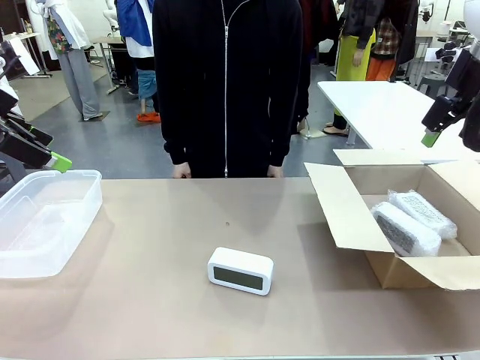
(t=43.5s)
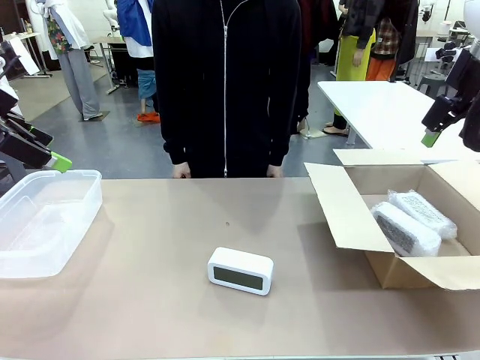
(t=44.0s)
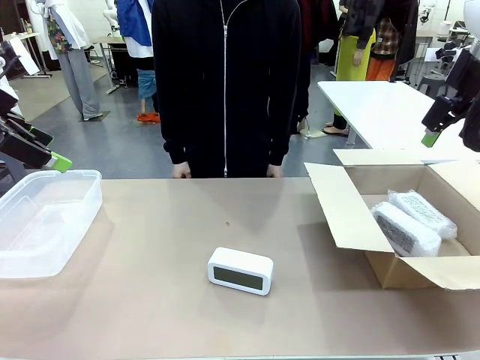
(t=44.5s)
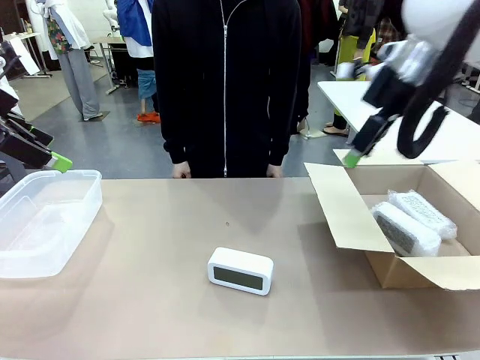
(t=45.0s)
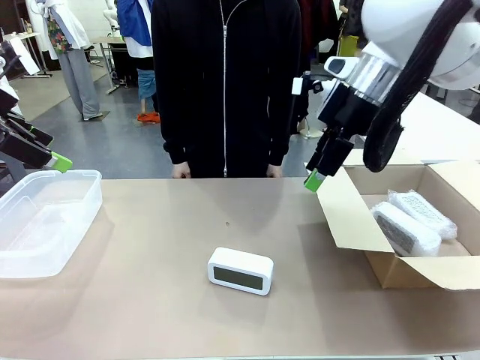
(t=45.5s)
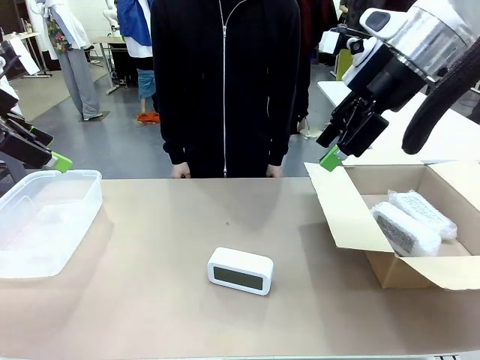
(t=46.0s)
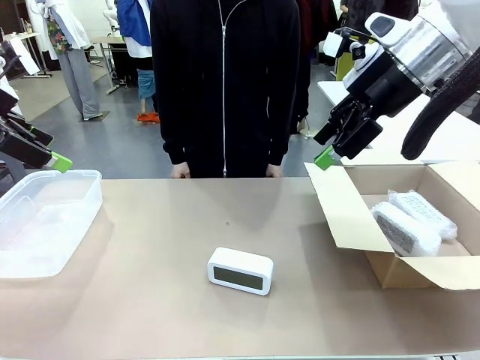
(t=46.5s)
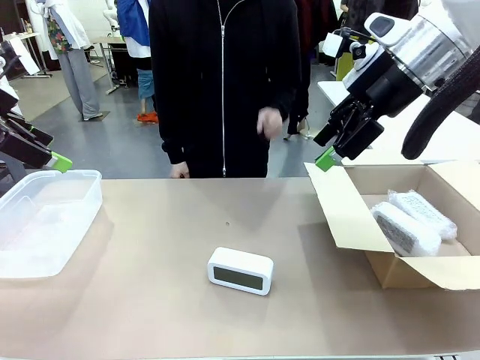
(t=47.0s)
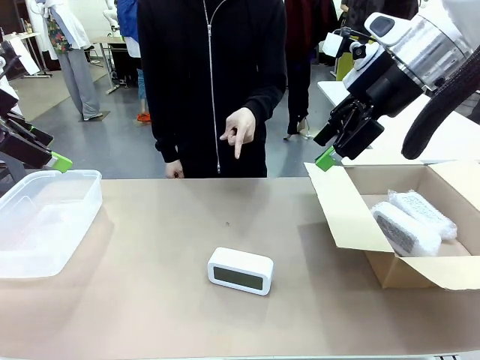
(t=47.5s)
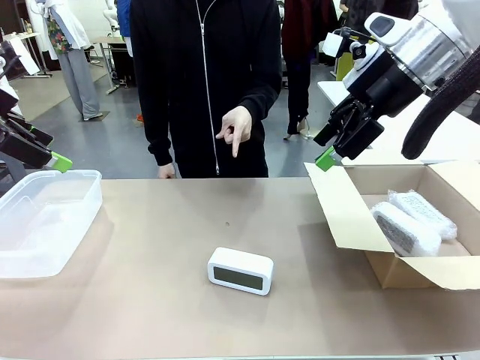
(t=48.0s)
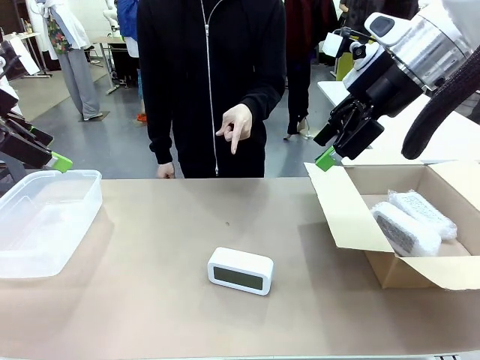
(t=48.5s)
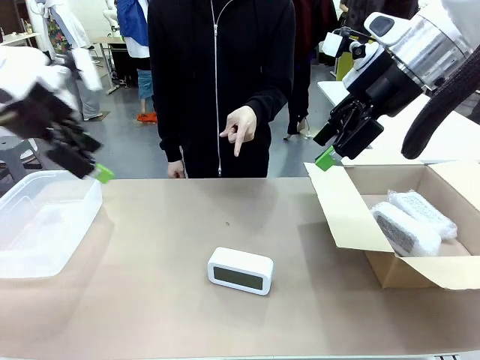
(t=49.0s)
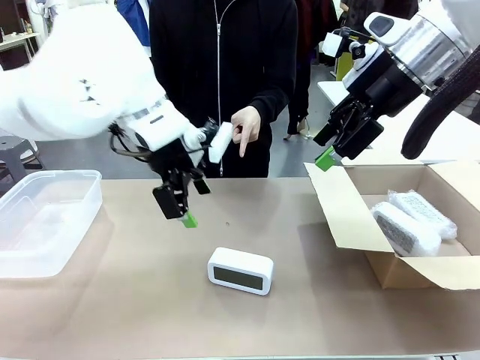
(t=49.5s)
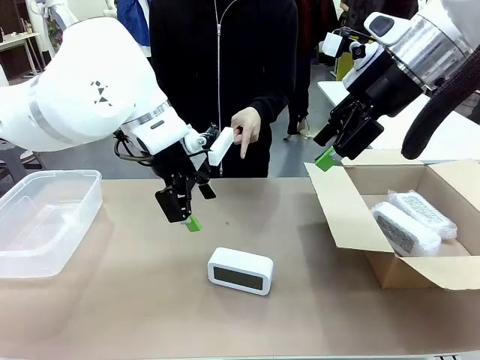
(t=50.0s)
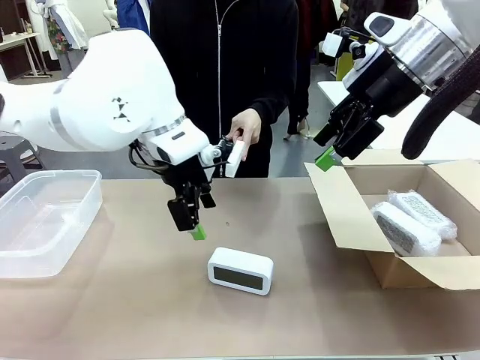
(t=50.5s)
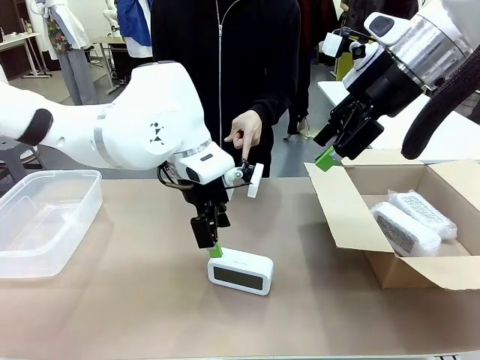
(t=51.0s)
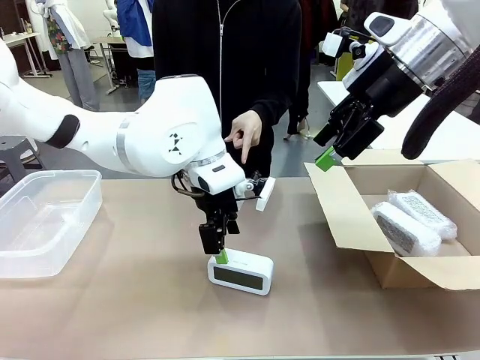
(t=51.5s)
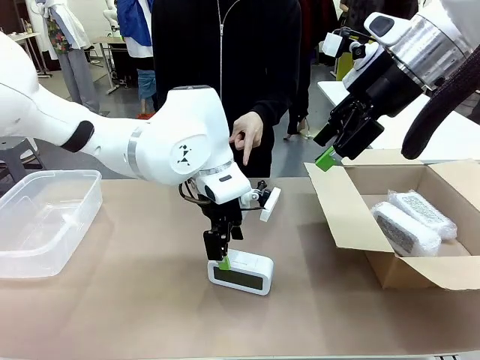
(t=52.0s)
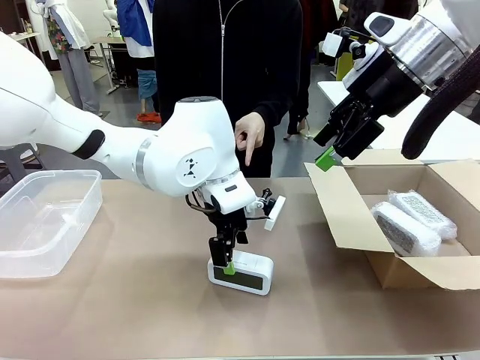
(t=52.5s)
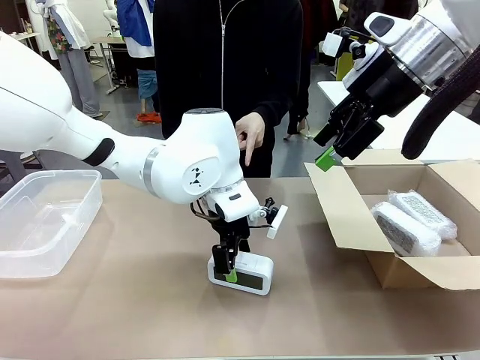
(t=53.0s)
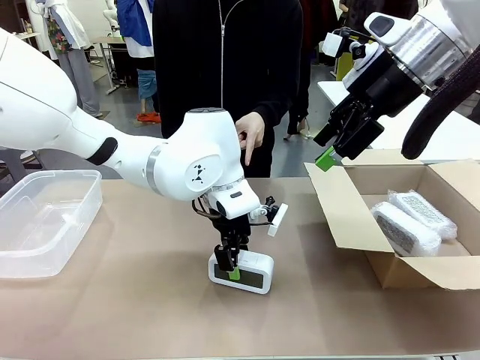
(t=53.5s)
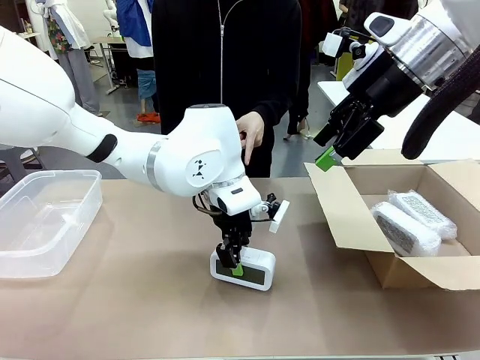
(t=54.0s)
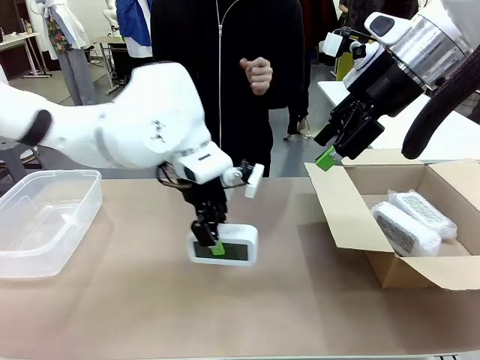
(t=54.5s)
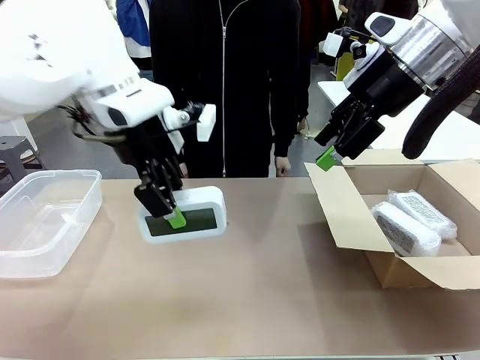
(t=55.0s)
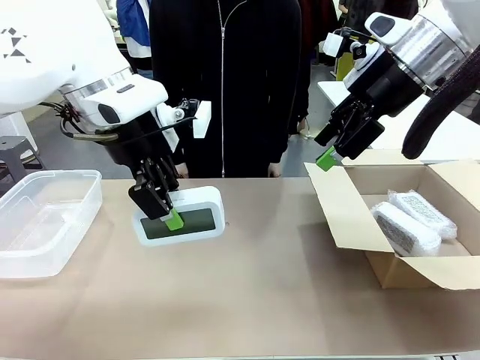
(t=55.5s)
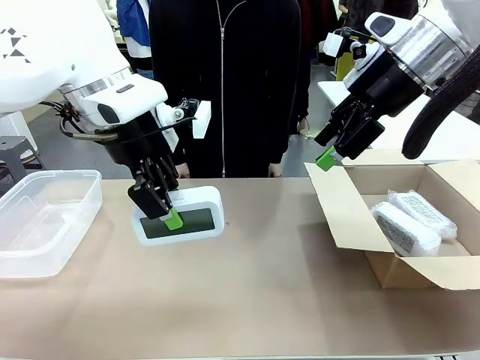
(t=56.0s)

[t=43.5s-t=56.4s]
Task: Separate and place wrapped and unwrapped clocks.
Robot: Pick up the Digital clock indicated by the person.

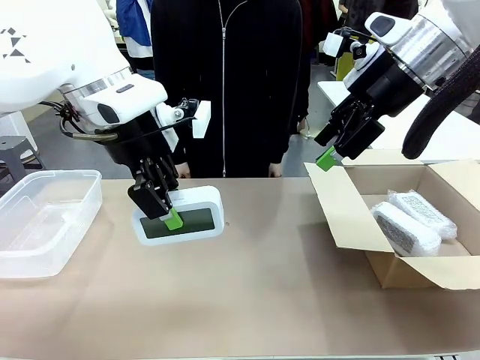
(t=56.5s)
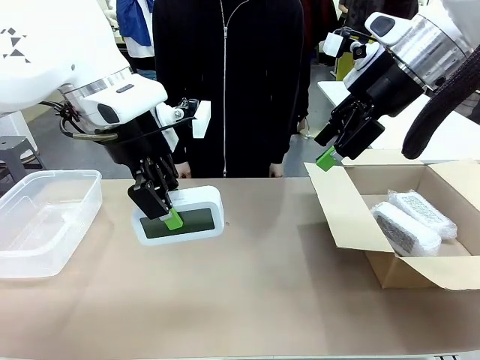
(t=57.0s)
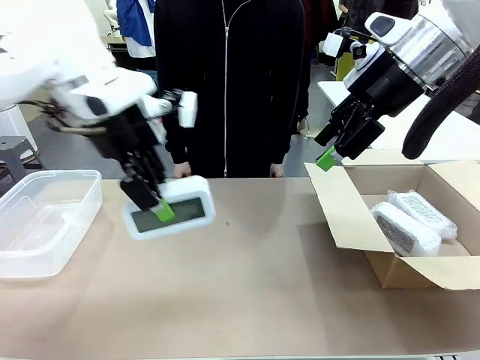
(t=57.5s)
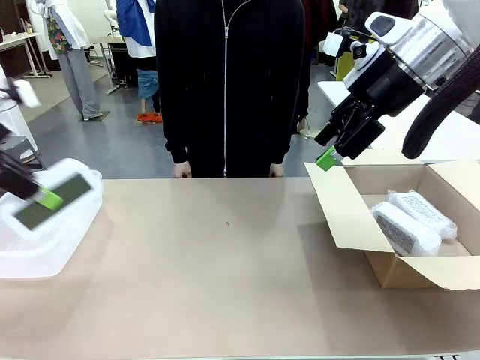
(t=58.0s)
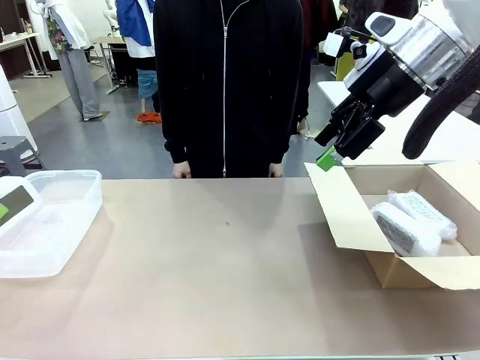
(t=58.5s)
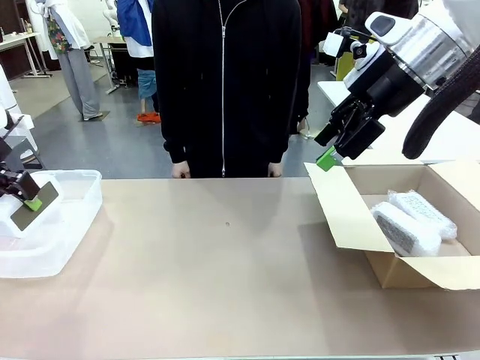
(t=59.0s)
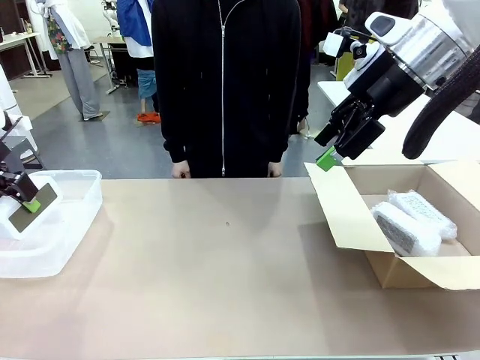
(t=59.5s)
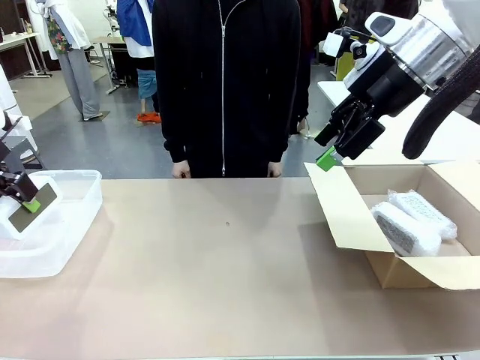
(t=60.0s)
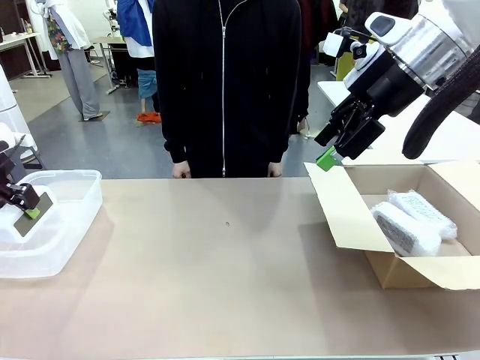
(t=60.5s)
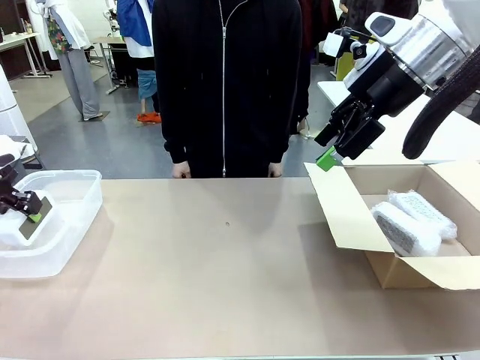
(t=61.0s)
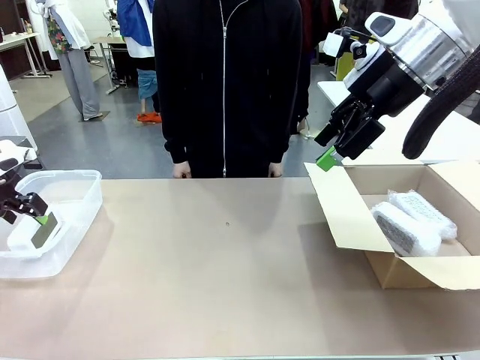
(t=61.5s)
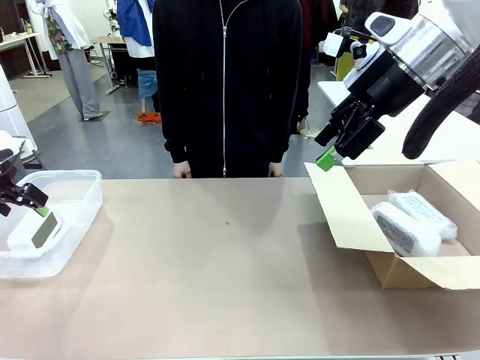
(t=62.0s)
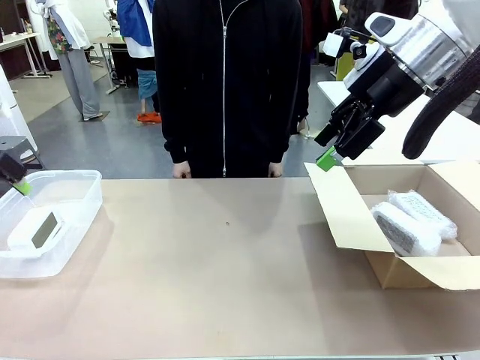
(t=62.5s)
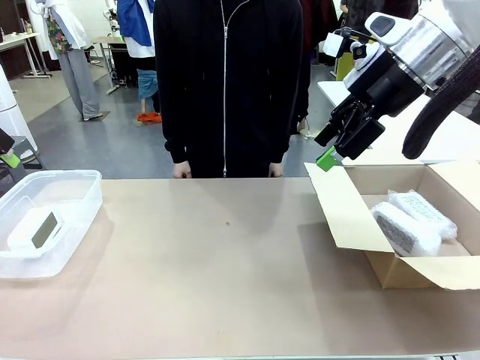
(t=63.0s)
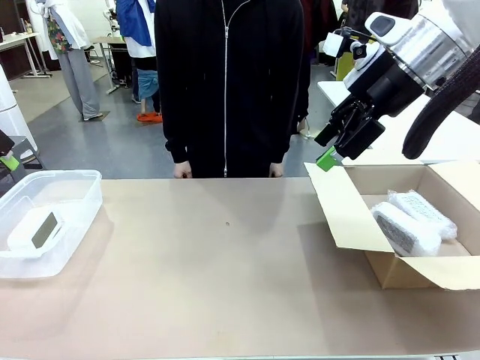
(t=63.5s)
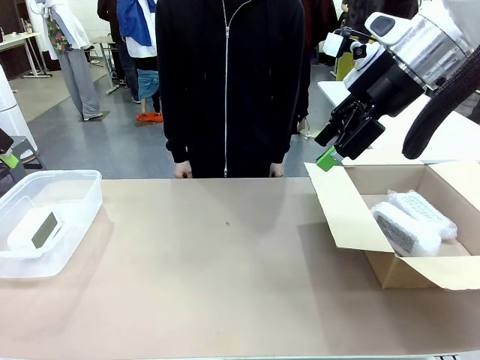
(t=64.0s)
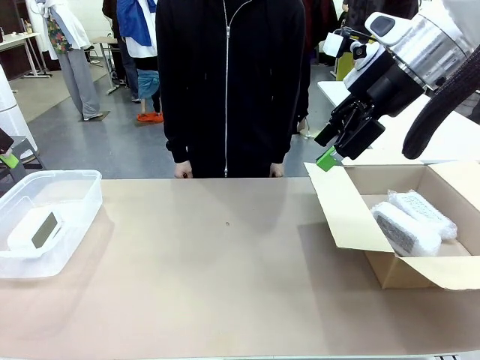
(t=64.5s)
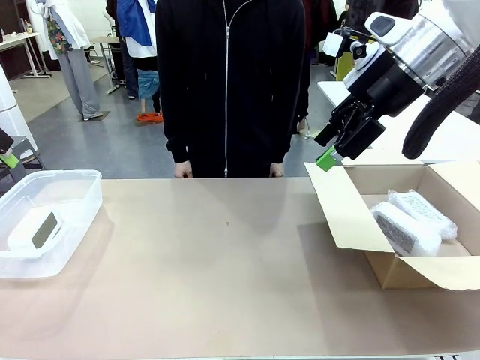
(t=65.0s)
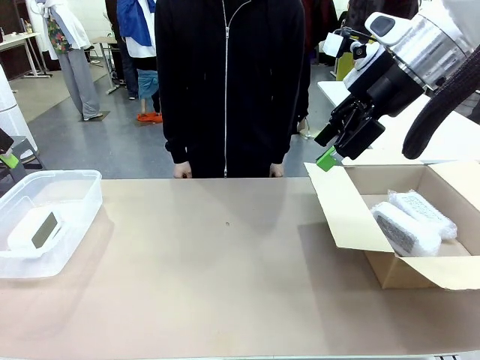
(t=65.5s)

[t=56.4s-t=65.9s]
Robot: If the picked Digital clock is wrapped, place it in the Package Box ; if not, place it in the Organizing box.
